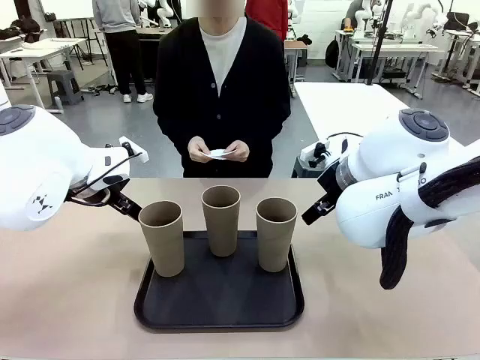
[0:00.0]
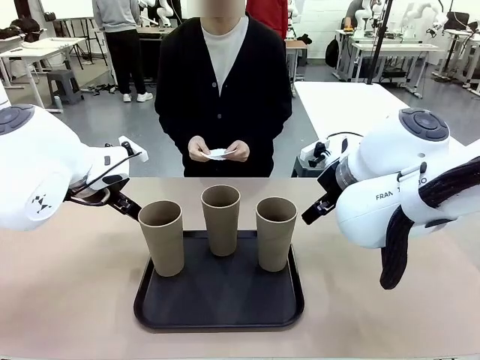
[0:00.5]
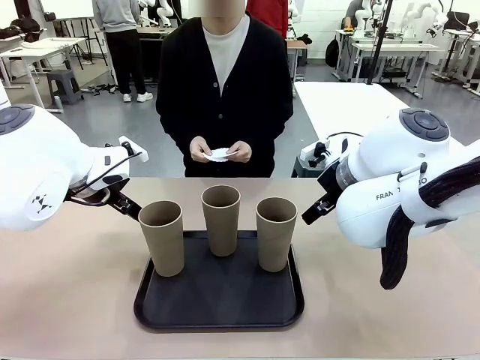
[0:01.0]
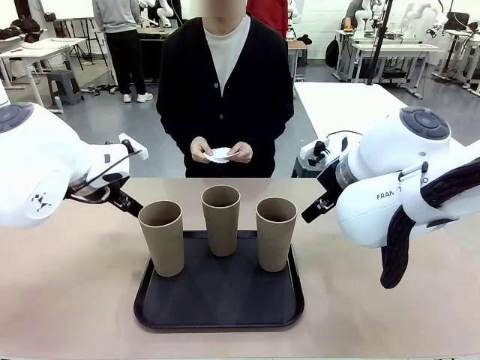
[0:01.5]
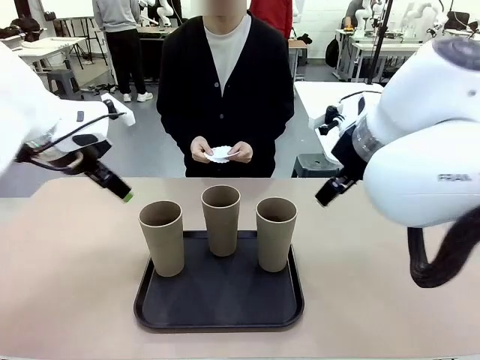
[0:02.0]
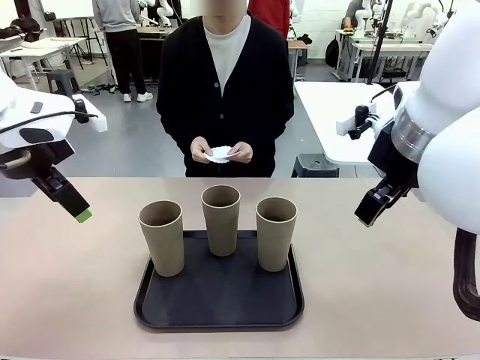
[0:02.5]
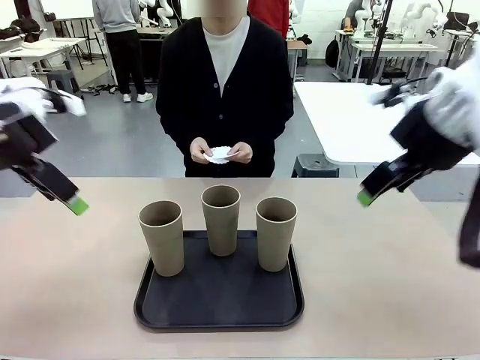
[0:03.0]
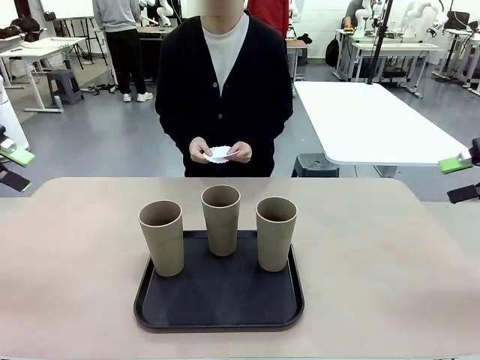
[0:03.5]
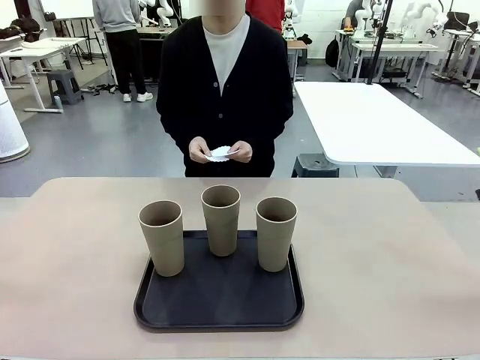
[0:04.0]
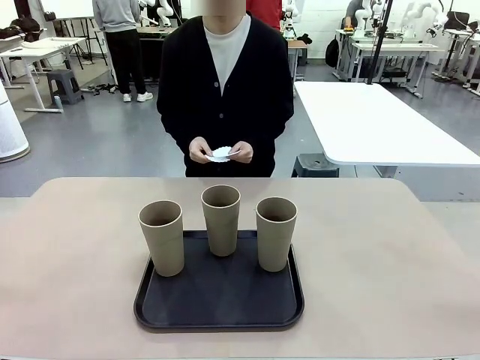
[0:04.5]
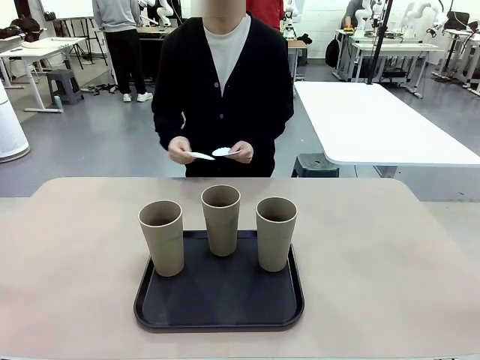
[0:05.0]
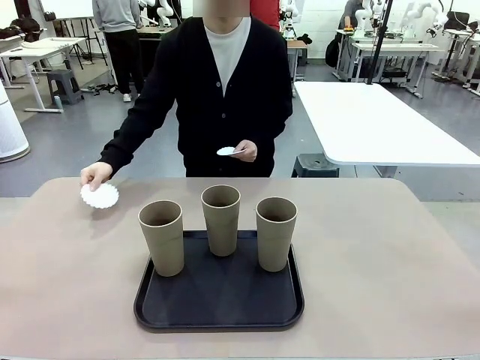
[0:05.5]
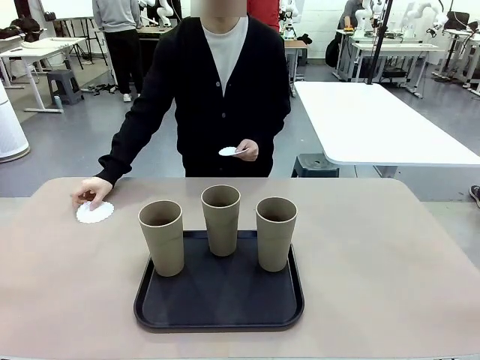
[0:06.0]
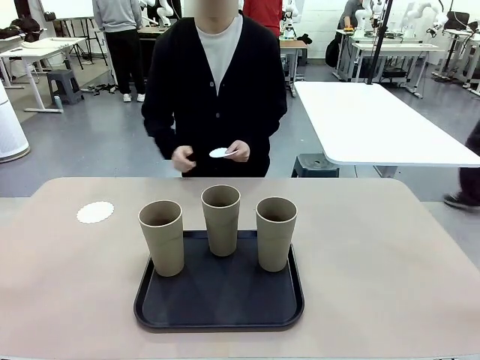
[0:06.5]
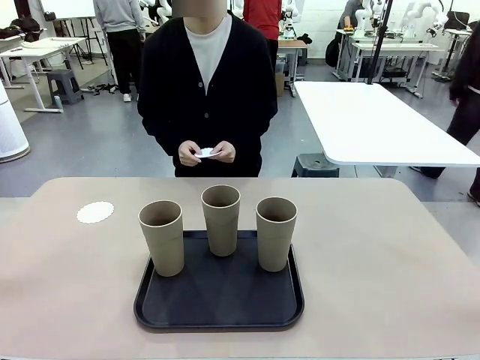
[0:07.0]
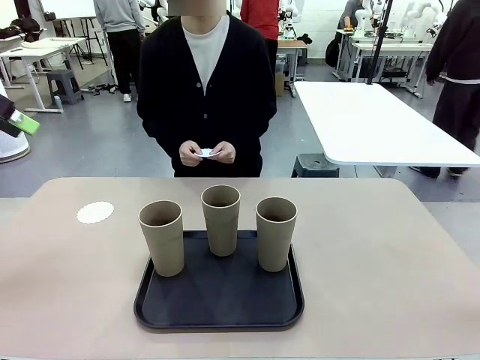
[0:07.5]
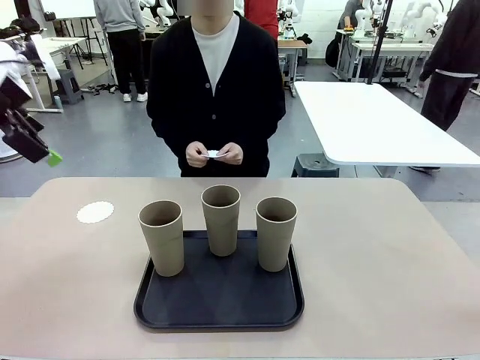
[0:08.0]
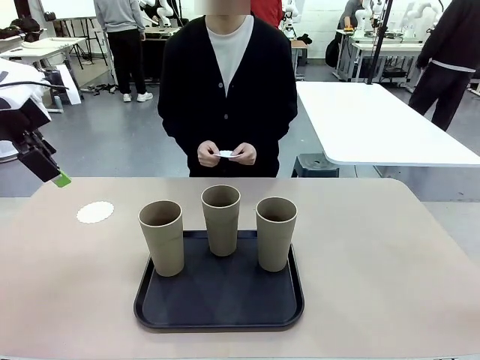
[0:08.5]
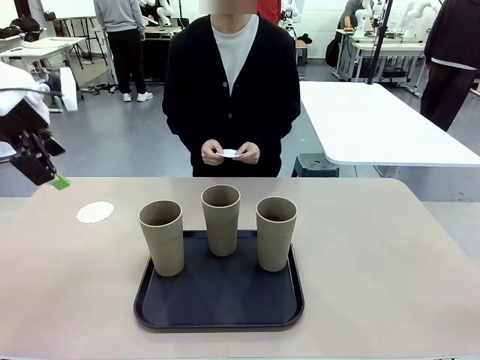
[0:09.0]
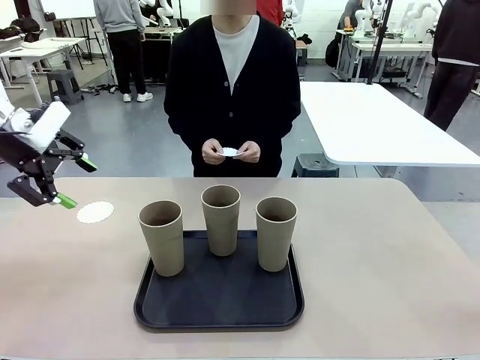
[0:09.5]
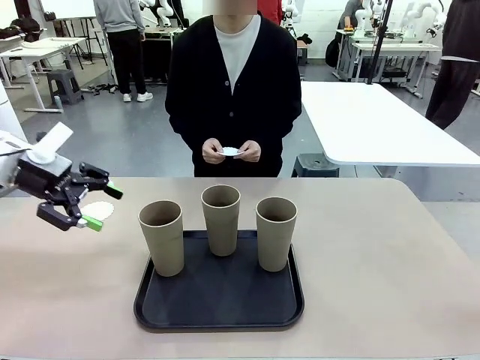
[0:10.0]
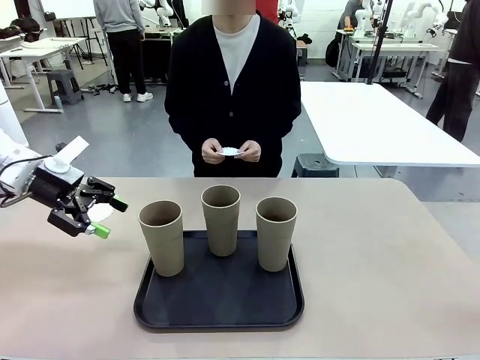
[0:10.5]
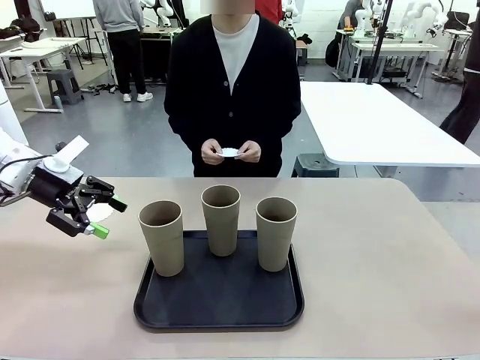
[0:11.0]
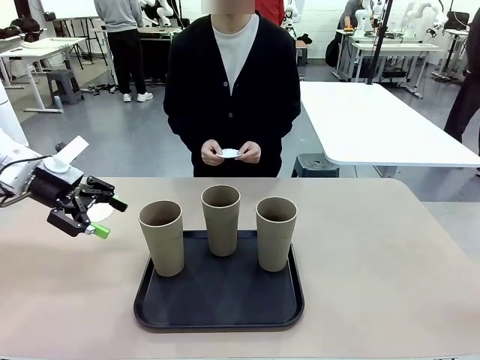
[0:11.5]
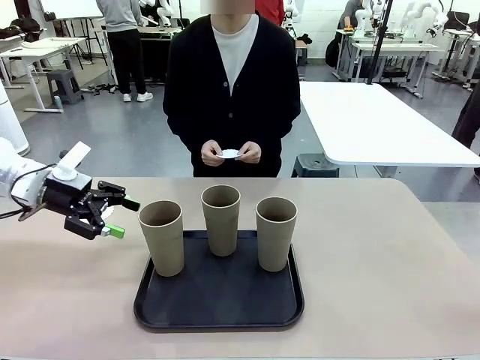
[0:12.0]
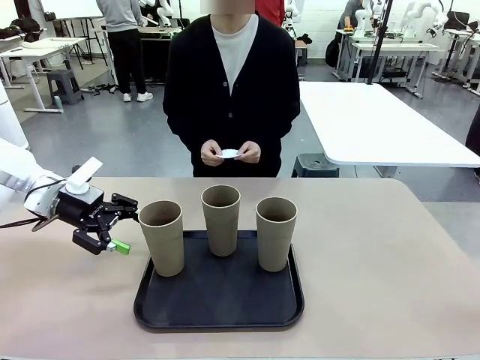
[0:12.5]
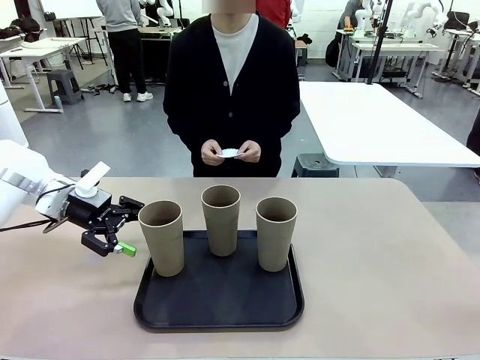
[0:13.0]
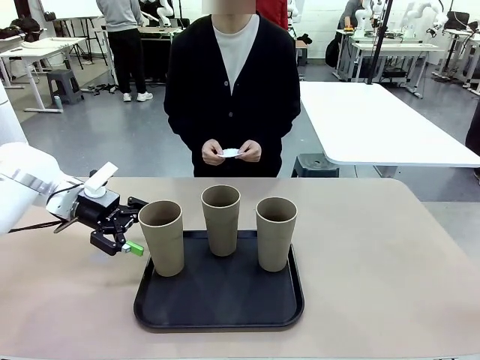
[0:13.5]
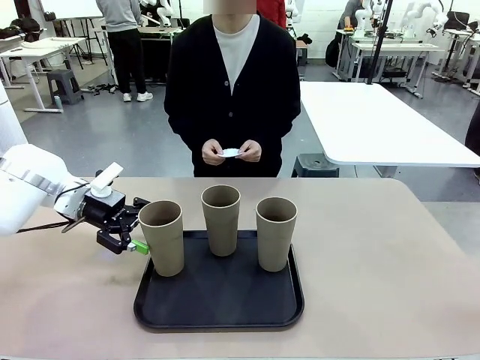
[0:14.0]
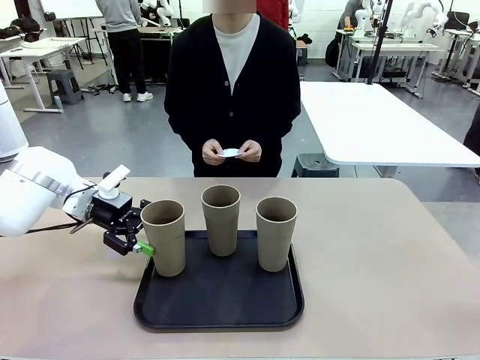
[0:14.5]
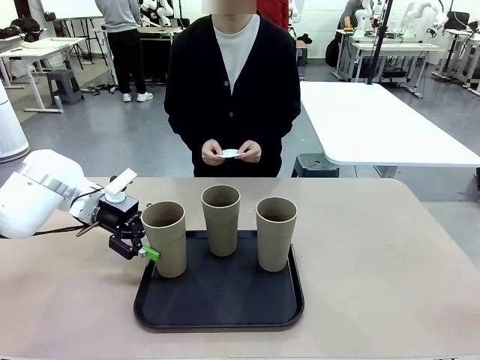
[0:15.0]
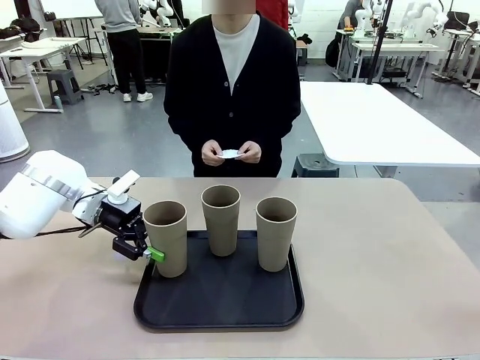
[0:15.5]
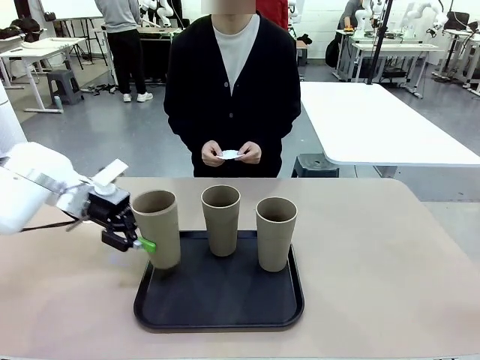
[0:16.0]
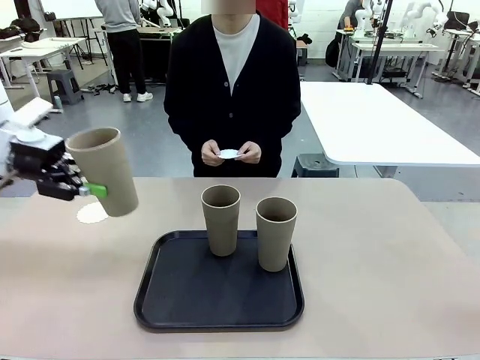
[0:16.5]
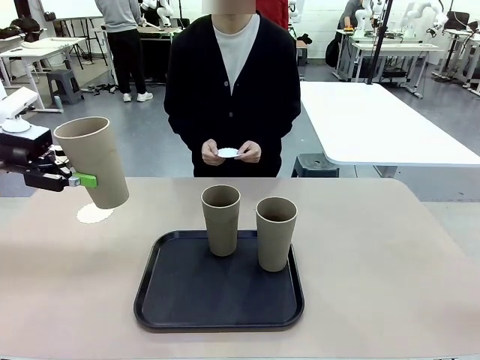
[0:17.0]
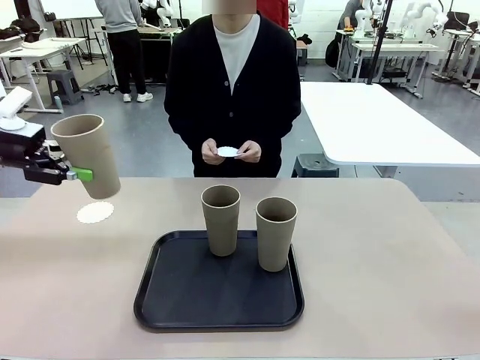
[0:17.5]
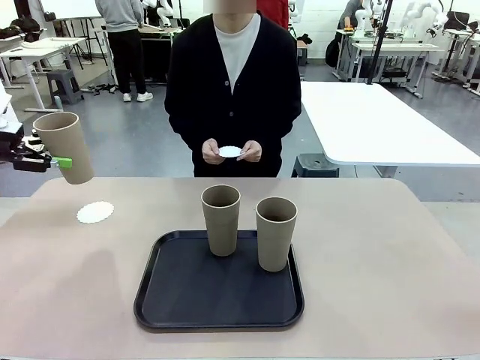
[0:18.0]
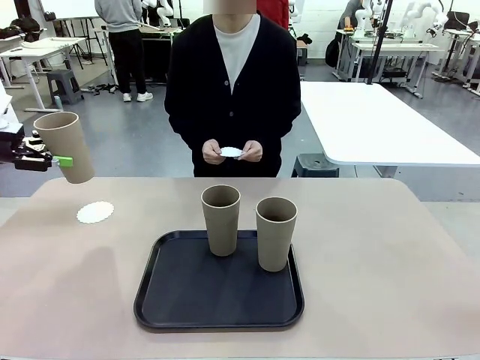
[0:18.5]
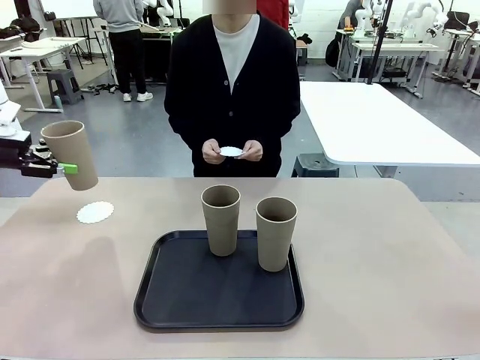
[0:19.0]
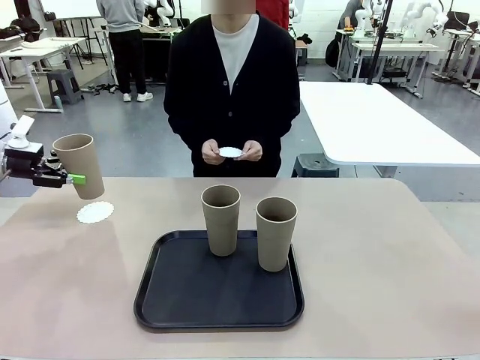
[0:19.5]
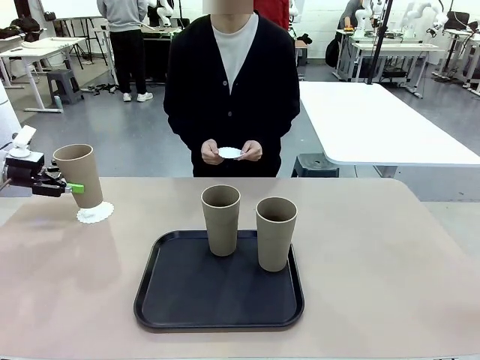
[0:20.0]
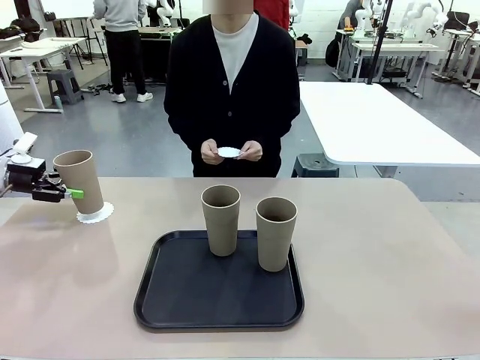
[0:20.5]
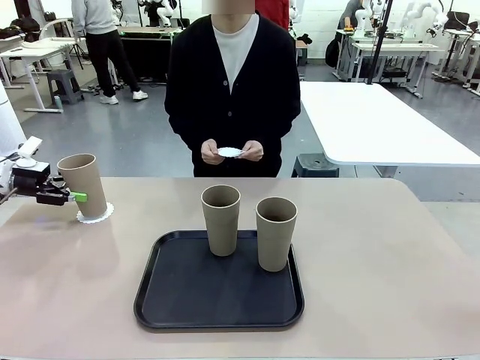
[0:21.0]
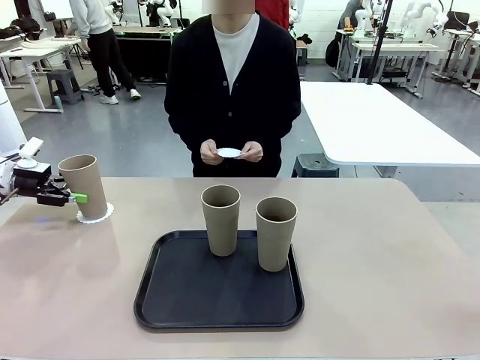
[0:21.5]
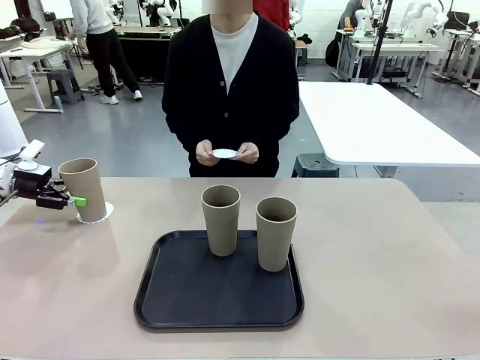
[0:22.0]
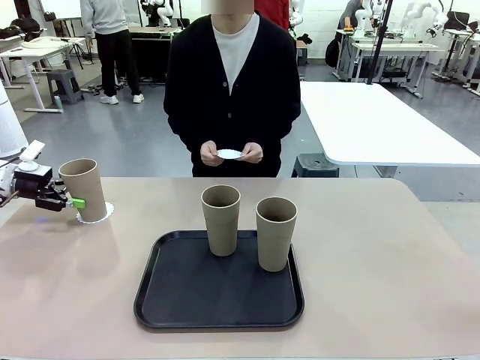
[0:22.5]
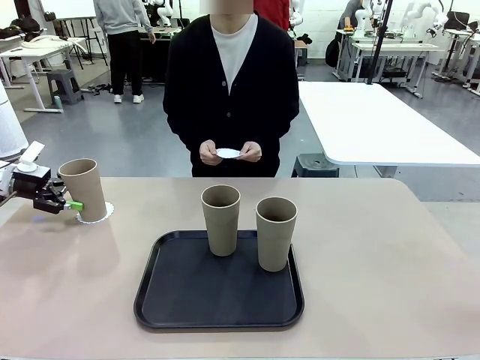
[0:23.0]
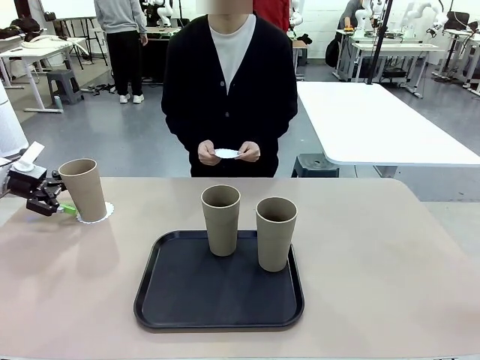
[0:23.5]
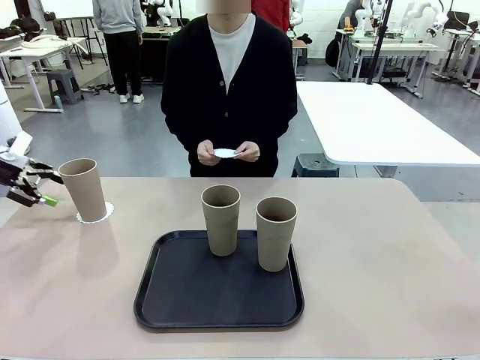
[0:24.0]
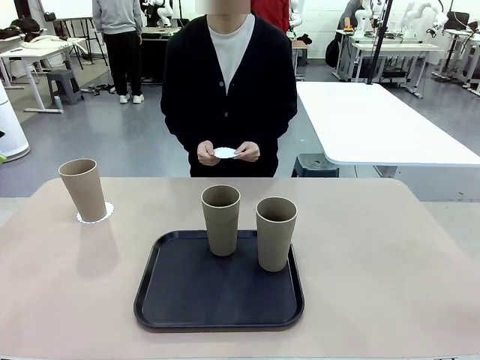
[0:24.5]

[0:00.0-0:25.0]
Task: Place coasters on the table and set cups on them.
Robot: Pick up one Reusable plastic cup and place it on a coaster set by the human.
Person: Place one coaster in any one of the three lower areas of the robot table (left, center, or right). Place one coaster in one of the two areas excluding the previously selected area.
